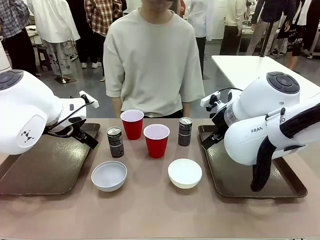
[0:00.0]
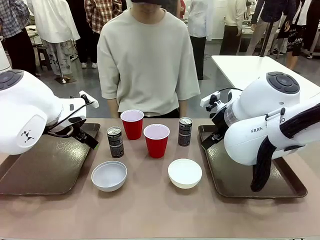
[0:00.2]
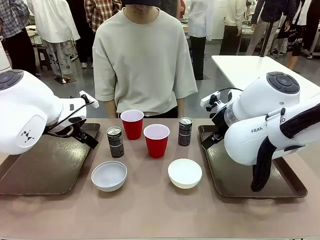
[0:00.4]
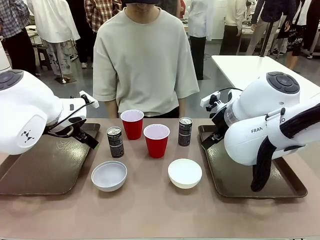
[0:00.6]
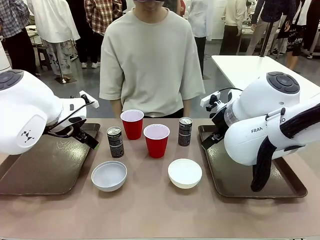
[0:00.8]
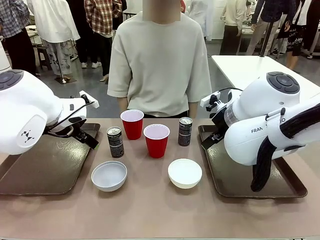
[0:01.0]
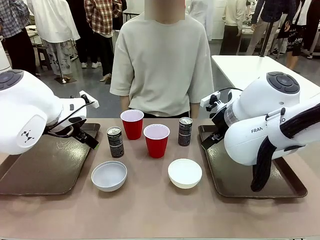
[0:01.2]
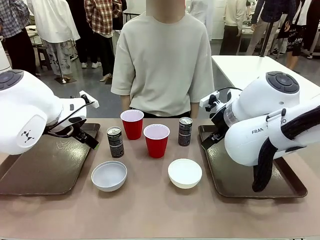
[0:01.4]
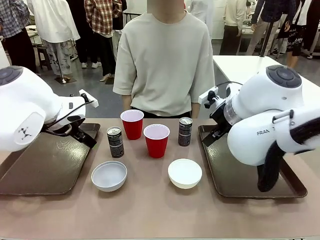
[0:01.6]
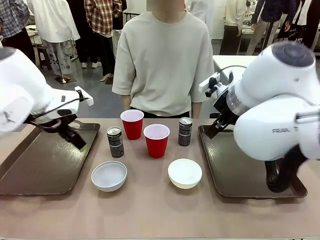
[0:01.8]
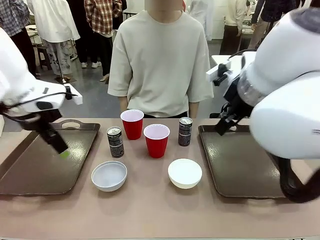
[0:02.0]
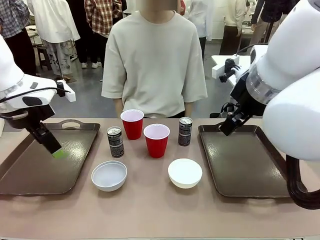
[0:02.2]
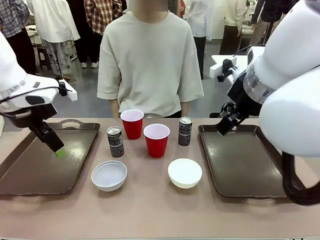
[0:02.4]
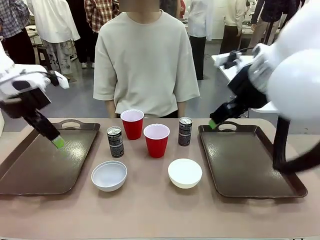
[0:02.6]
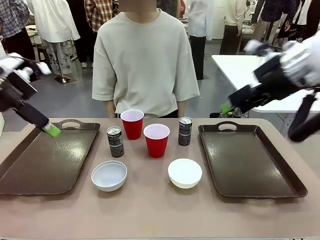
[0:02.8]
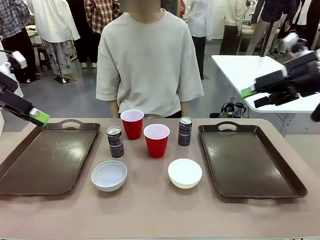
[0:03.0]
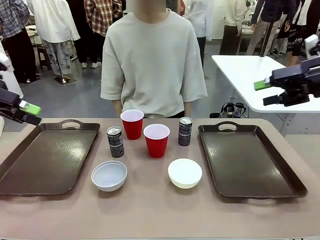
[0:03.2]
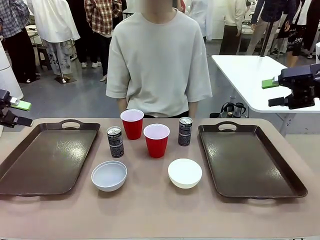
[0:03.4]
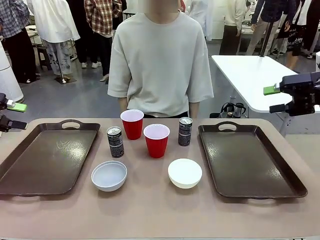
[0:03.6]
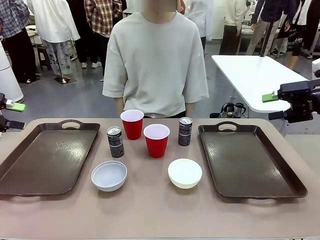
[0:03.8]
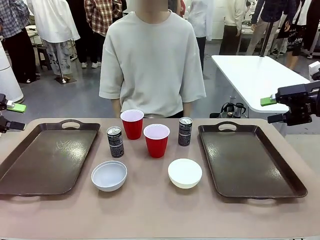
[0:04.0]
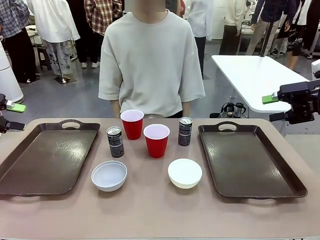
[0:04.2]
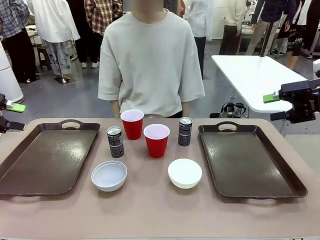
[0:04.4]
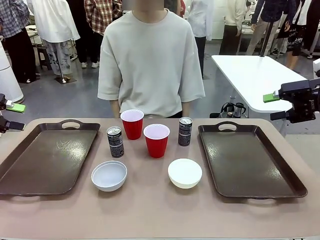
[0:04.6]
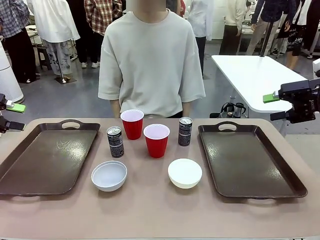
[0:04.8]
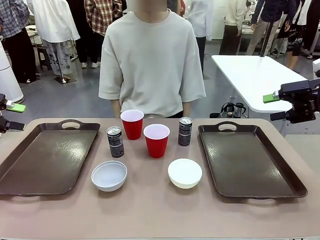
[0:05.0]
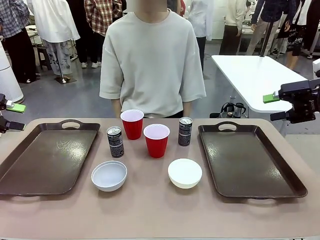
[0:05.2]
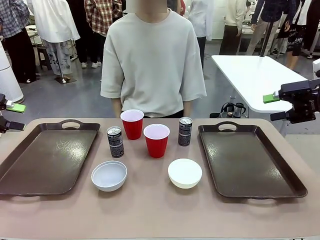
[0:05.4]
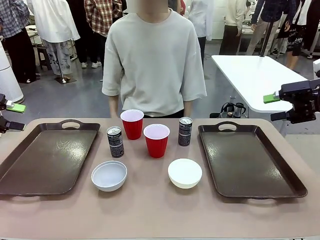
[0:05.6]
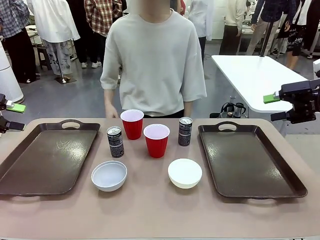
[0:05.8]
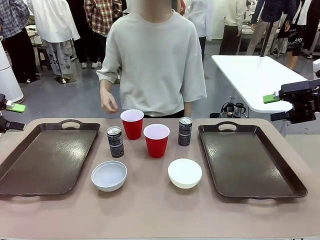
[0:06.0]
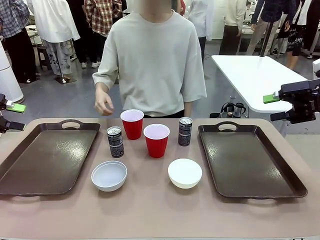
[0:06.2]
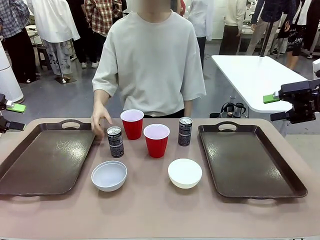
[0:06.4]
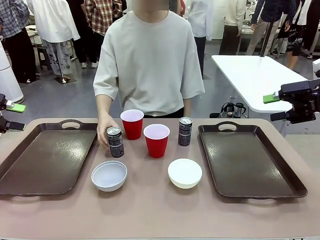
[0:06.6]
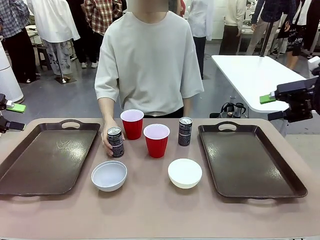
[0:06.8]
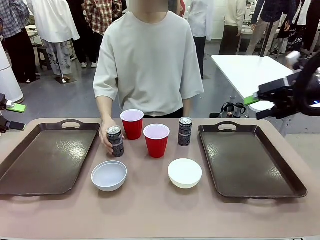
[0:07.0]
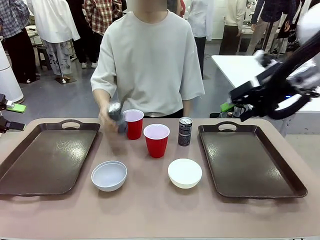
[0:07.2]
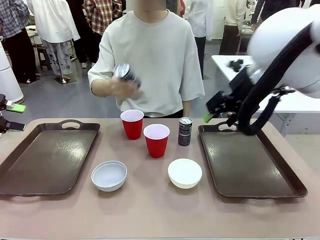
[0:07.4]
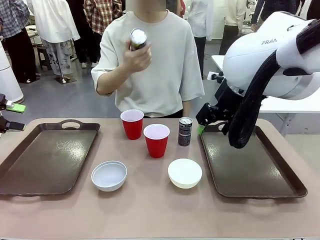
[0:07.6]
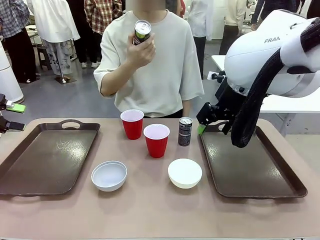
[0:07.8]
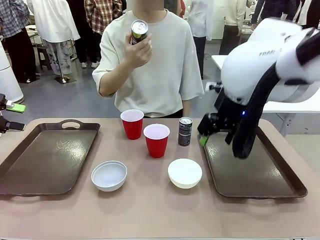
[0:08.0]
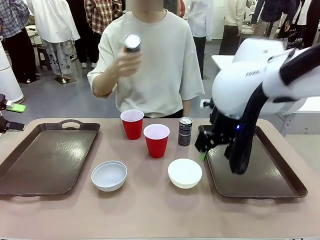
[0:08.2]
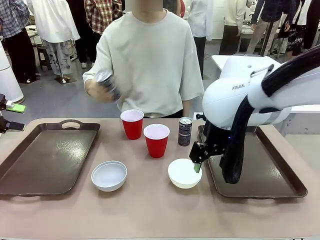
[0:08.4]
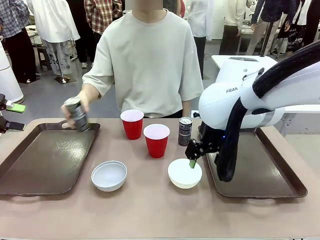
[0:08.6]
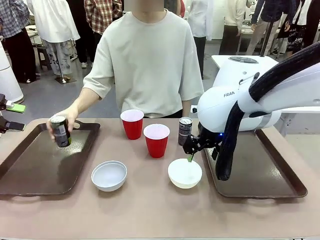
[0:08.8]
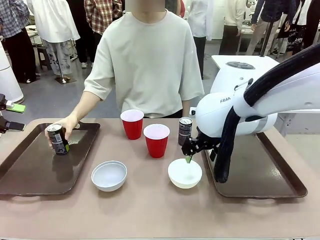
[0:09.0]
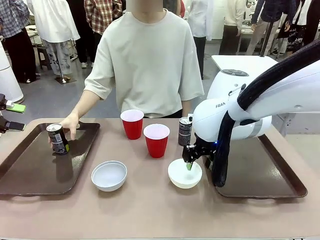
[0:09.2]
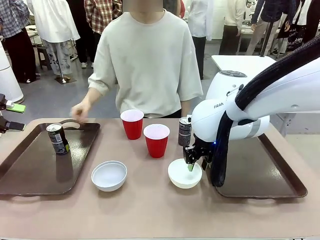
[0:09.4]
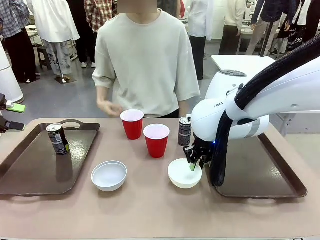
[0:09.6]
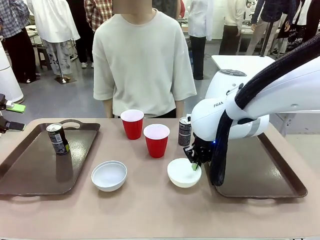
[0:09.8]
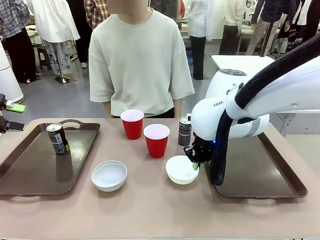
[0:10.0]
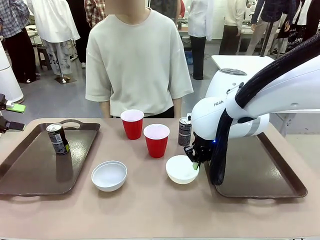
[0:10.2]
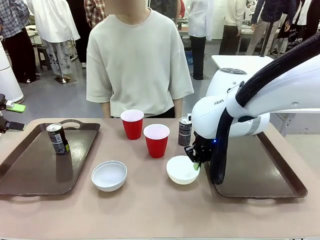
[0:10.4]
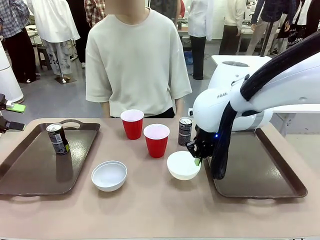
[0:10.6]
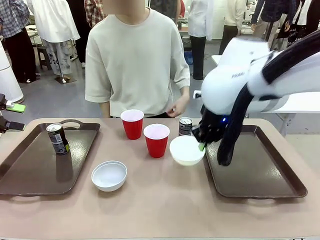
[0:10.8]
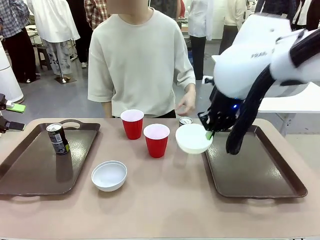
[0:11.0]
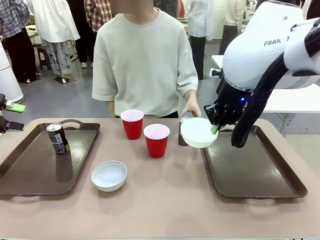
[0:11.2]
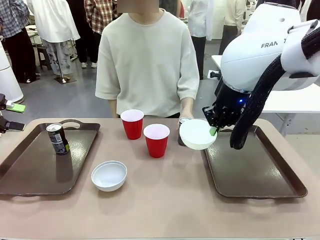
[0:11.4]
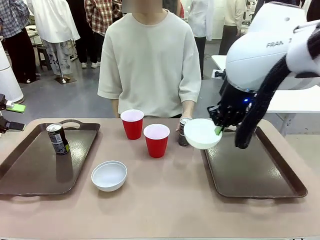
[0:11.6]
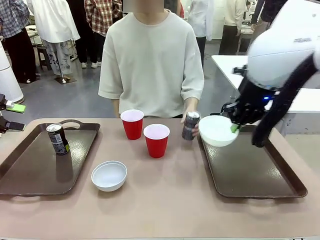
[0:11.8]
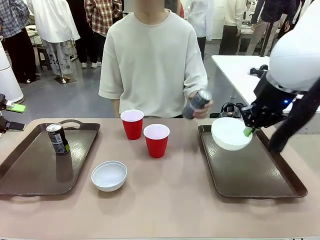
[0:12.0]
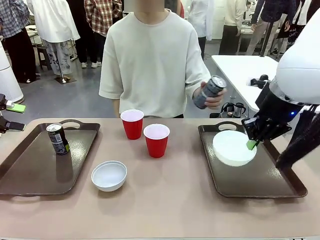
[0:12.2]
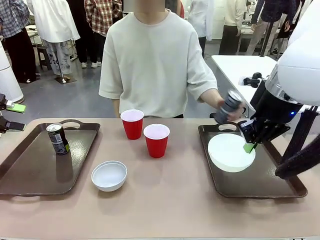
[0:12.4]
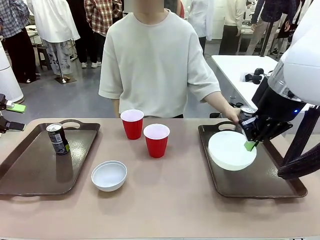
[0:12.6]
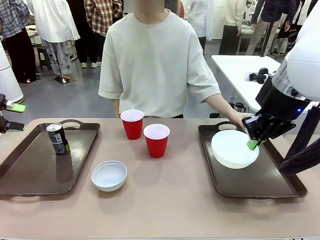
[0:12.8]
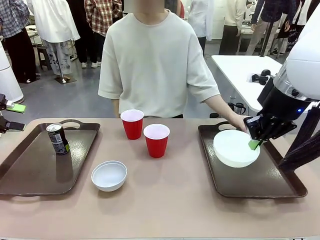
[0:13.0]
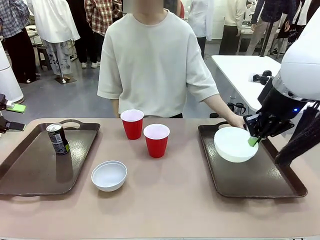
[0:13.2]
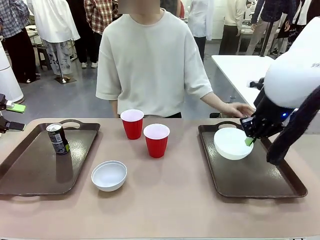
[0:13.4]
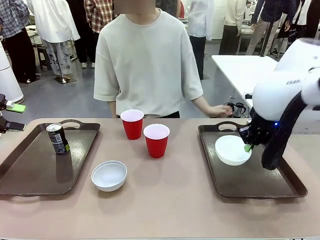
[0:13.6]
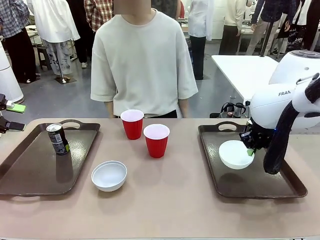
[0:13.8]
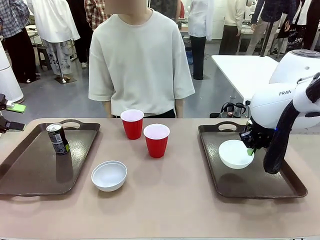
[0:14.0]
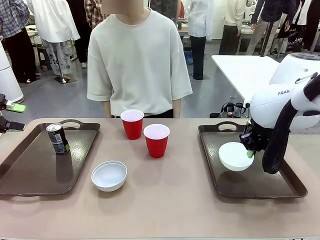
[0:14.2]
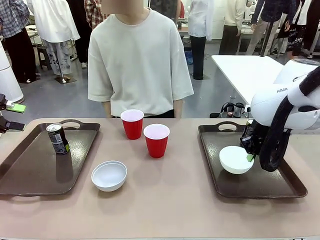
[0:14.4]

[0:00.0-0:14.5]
Task: Prepare tableware on both trays.
Robot: Pick up a Picnic Bowl from the table and place it on a Handle tray.
Person: Pick up a can or cup and place it on the tray.
